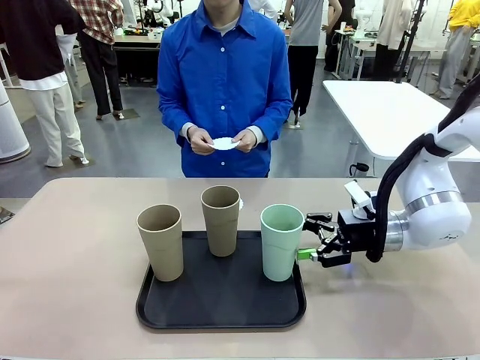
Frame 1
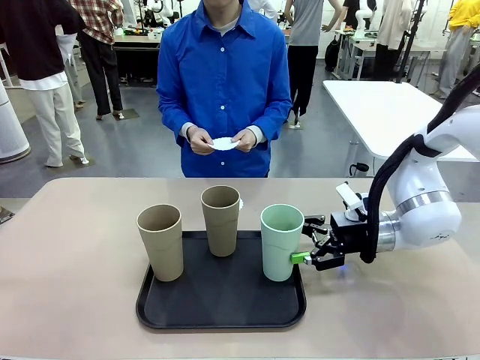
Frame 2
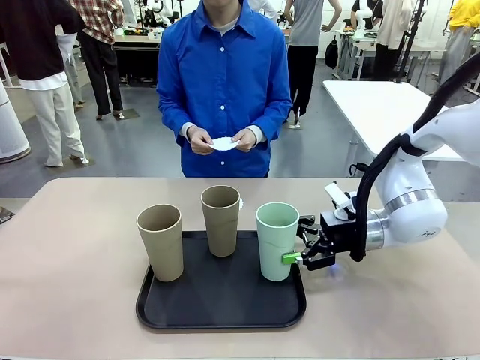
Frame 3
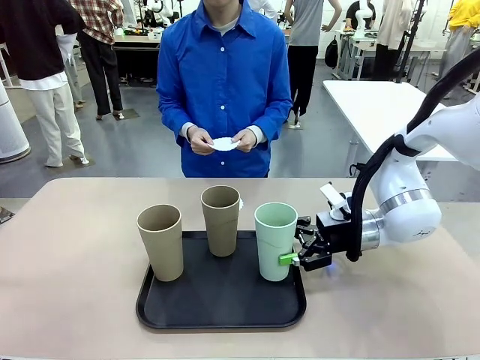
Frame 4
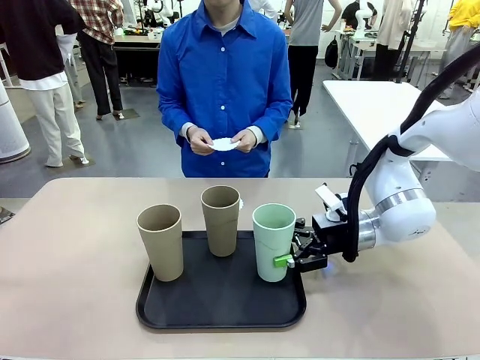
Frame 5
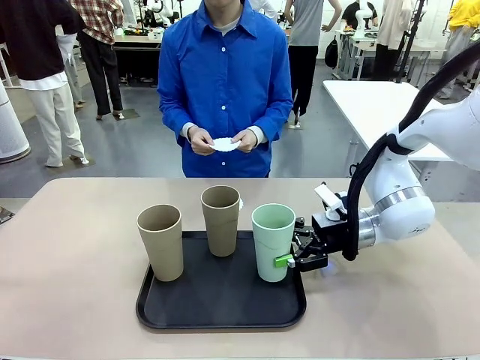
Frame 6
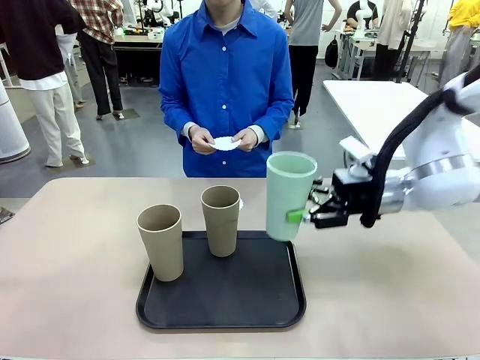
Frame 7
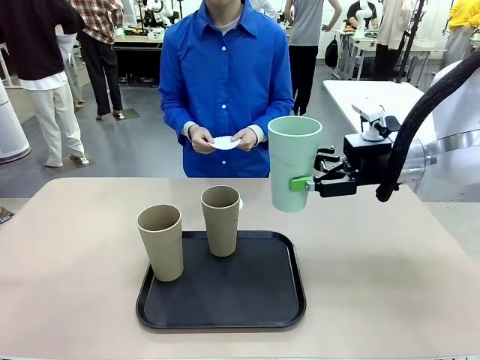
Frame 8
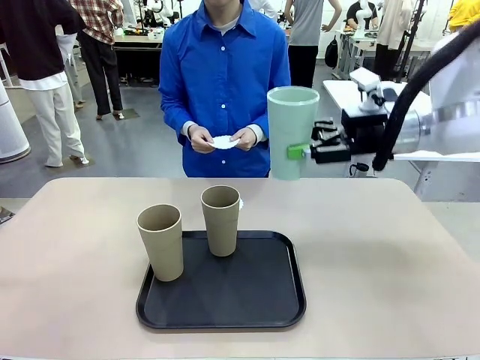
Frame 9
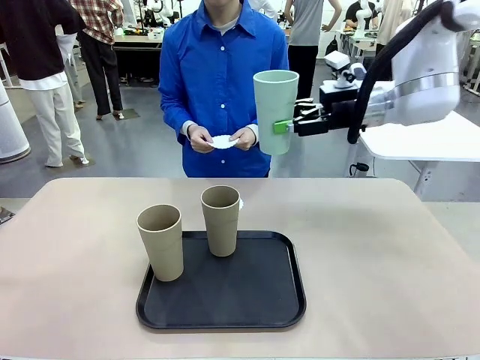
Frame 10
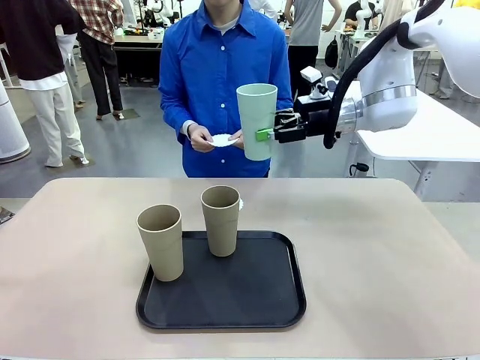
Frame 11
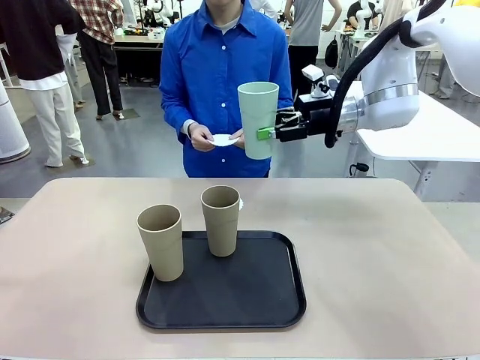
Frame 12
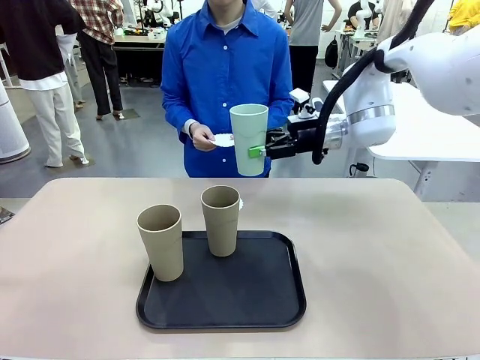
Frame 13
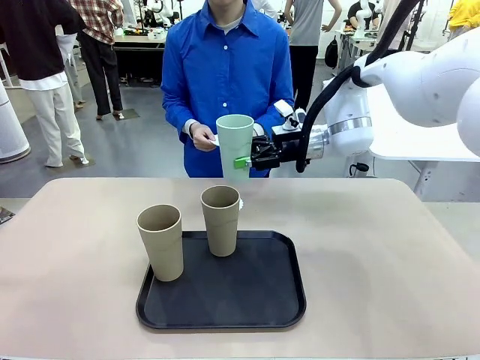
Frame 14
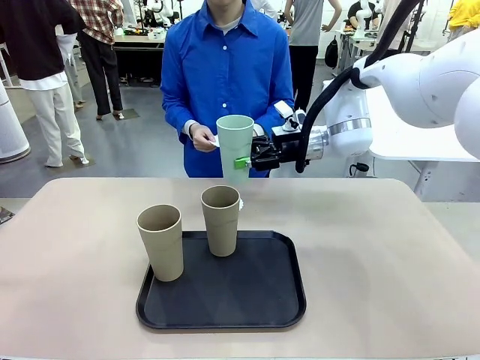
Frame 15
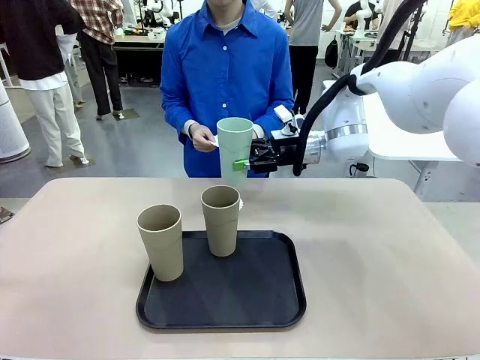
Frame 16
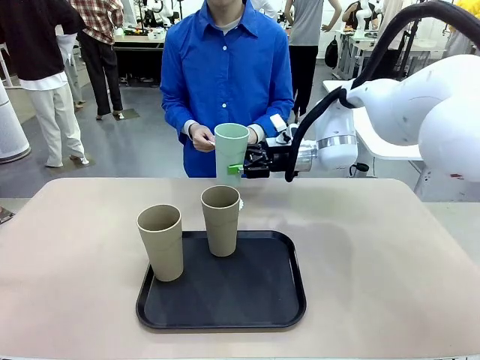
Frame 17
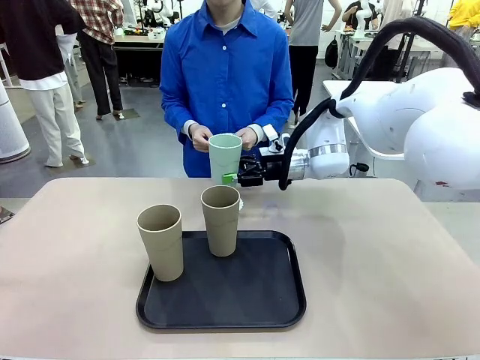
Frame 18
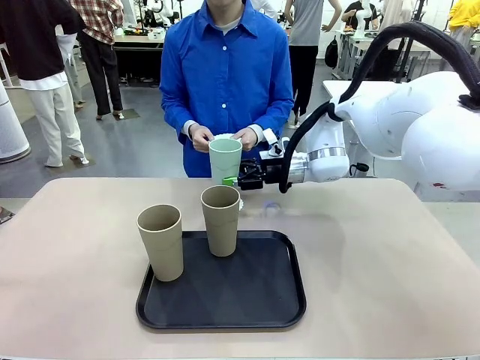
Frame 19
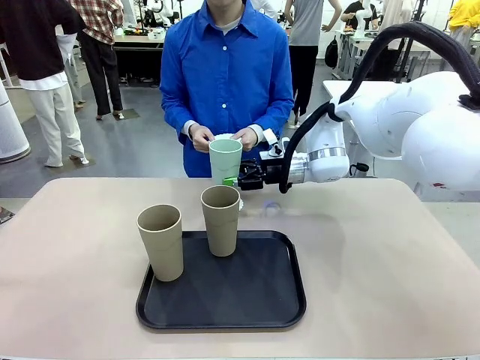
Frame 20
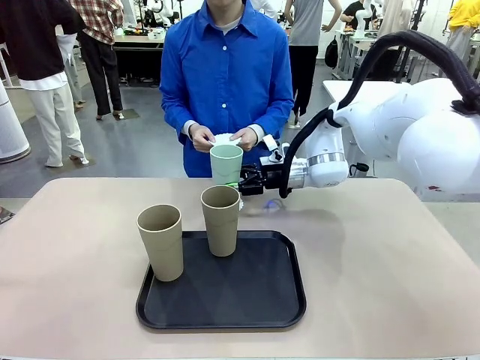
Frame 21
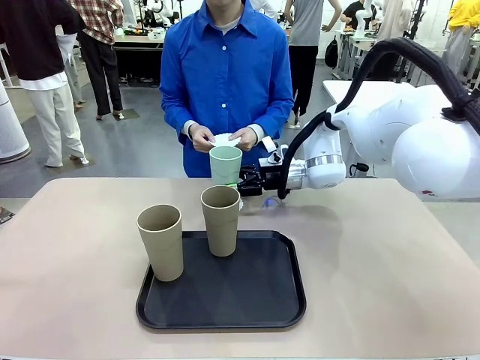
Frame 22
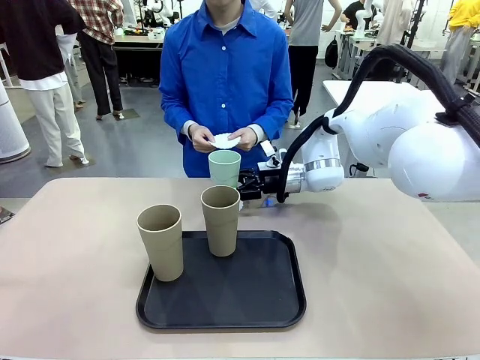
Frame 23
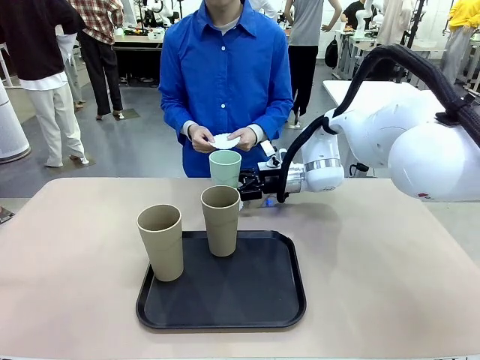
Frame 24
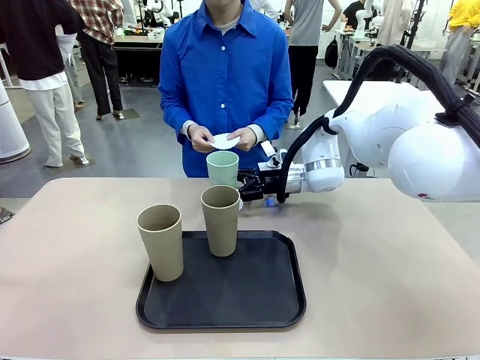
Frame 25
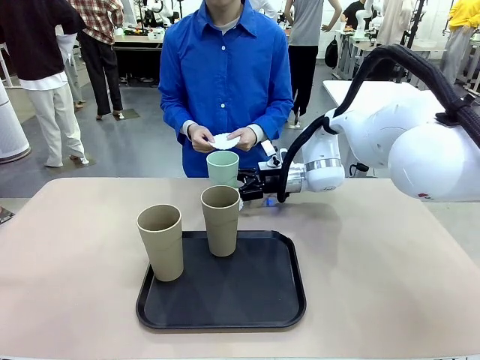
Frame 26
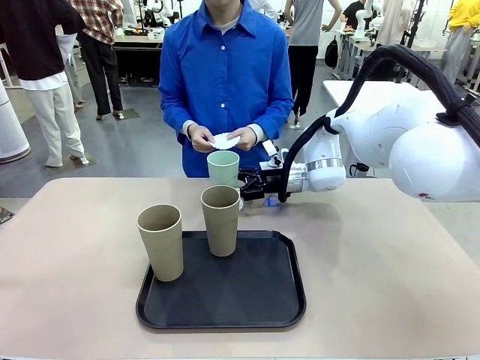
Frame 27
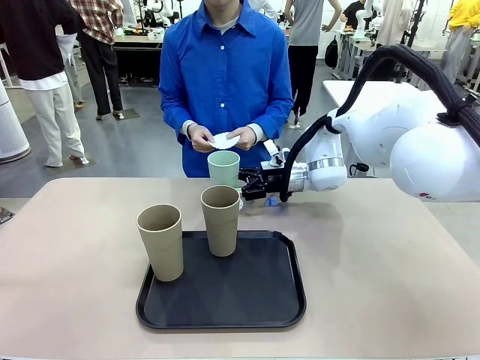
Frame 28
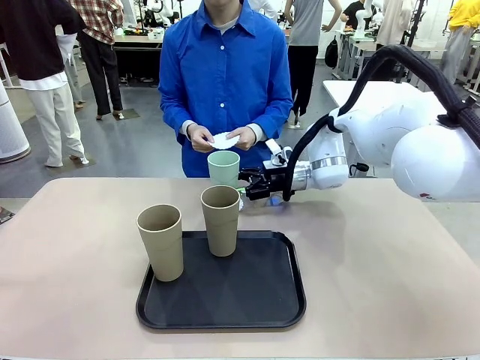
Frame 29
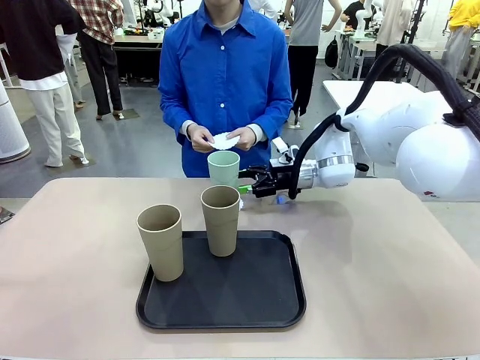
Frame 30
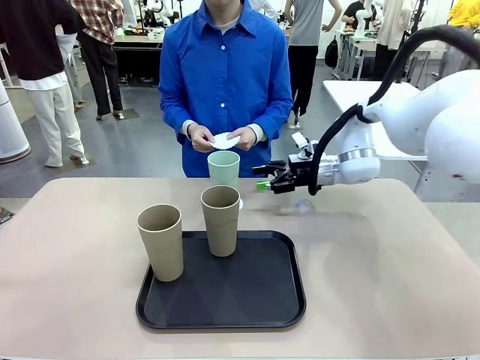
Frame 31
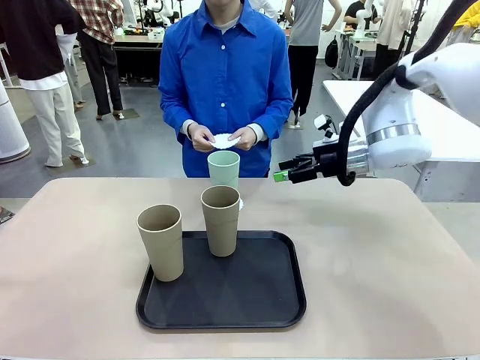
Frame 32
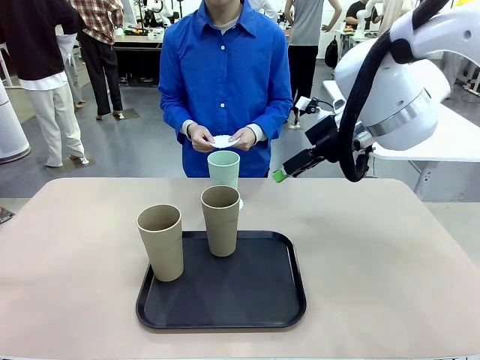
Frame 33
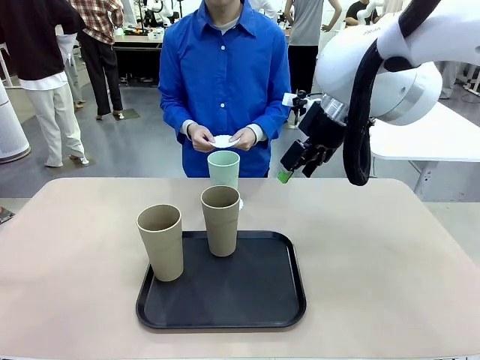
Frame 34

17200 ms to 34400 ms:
Task: Place coasters on the table and set cups on them.
Robot: Pick up one Reusable plastic cup and place it on a coaster set by the human.
Person: Place one coaster in one of the two areas excluding the previously selected area.
